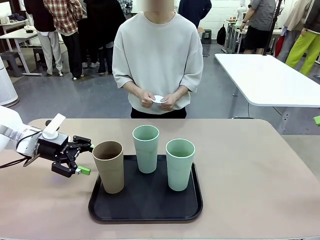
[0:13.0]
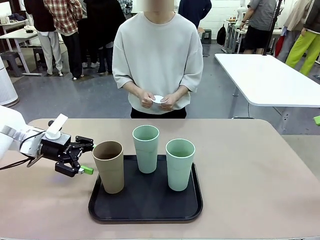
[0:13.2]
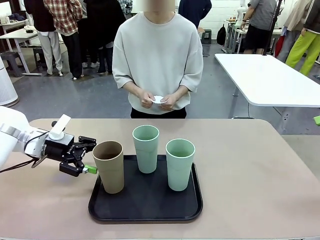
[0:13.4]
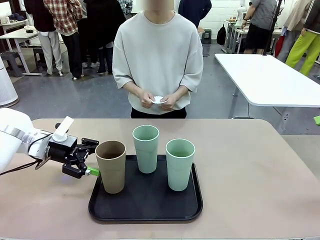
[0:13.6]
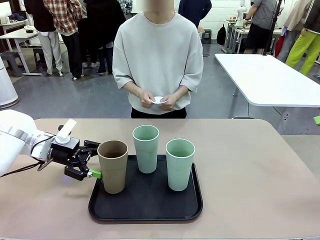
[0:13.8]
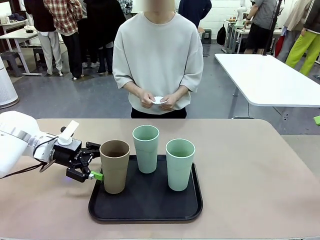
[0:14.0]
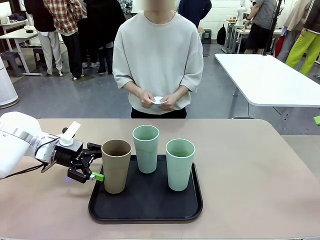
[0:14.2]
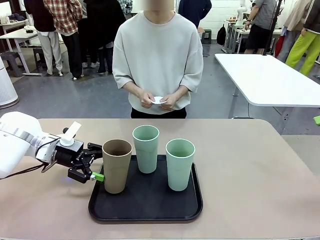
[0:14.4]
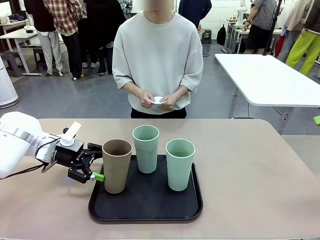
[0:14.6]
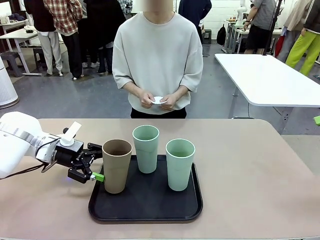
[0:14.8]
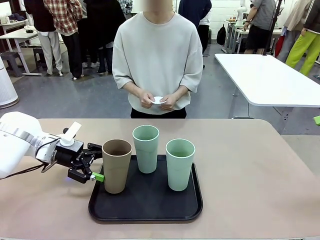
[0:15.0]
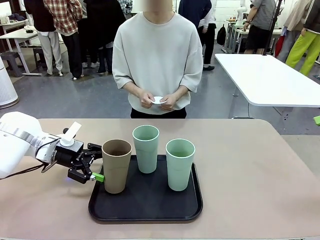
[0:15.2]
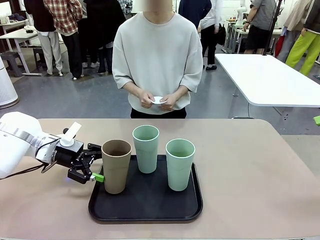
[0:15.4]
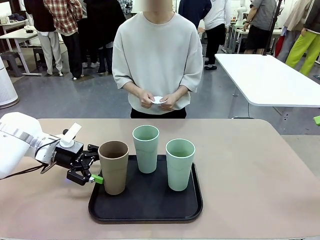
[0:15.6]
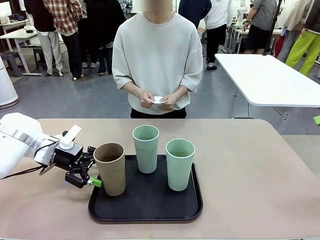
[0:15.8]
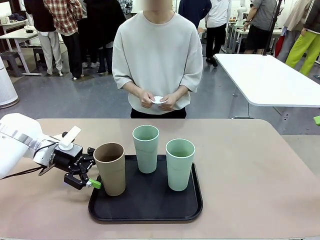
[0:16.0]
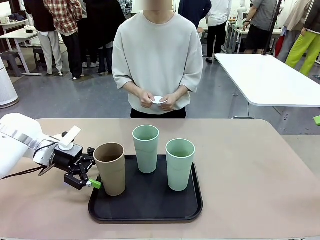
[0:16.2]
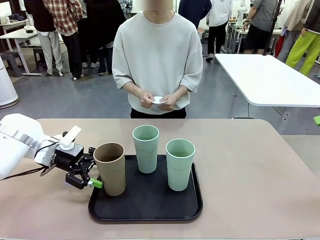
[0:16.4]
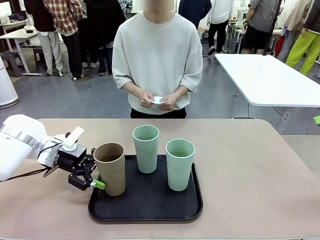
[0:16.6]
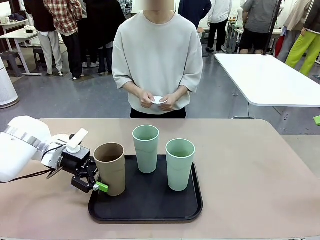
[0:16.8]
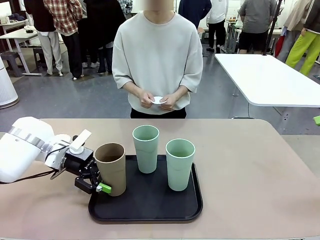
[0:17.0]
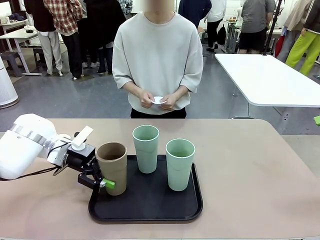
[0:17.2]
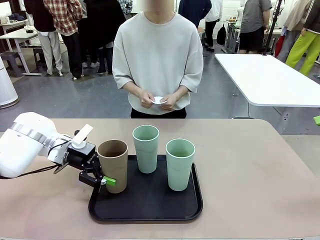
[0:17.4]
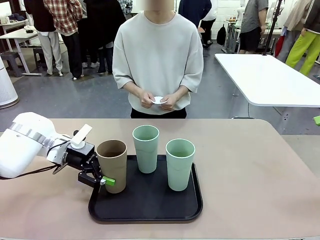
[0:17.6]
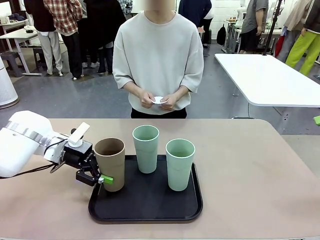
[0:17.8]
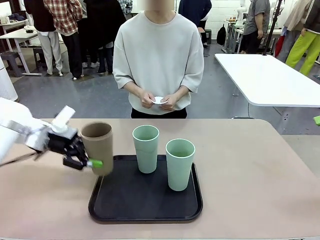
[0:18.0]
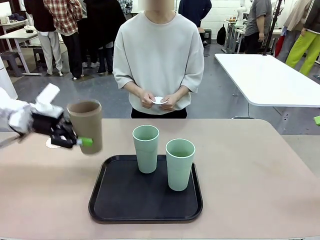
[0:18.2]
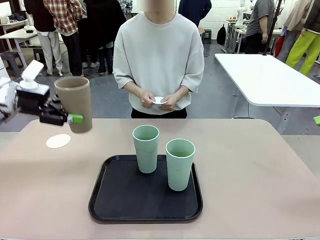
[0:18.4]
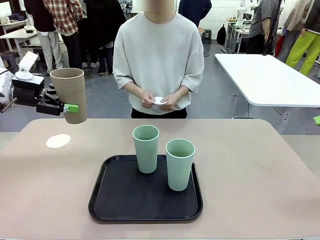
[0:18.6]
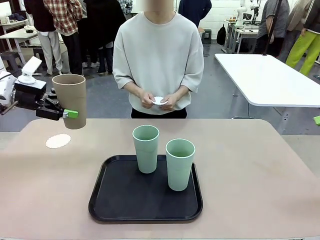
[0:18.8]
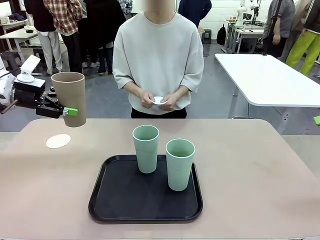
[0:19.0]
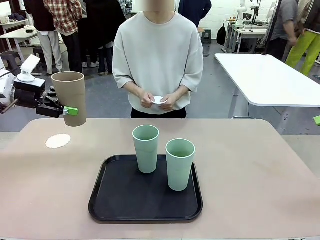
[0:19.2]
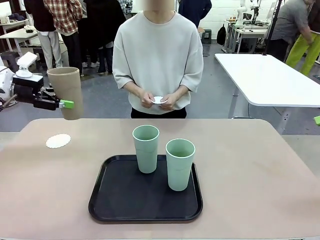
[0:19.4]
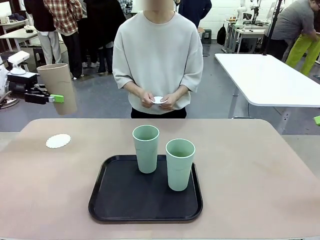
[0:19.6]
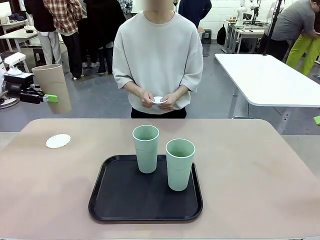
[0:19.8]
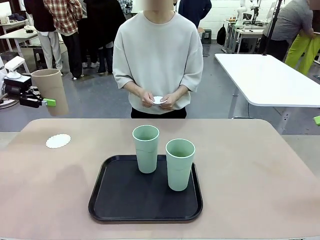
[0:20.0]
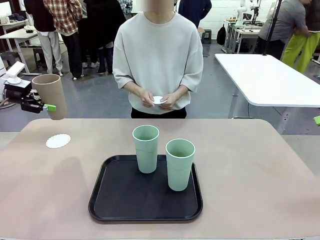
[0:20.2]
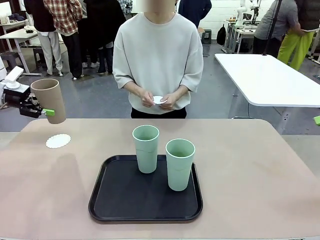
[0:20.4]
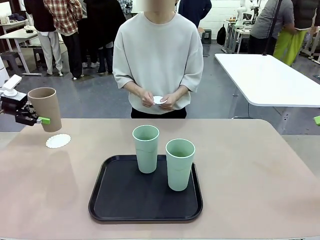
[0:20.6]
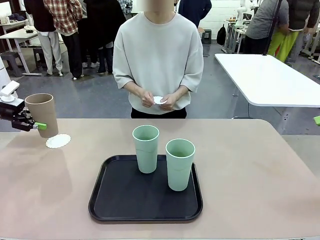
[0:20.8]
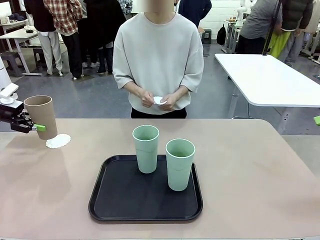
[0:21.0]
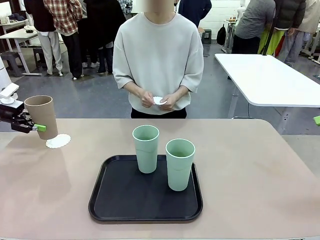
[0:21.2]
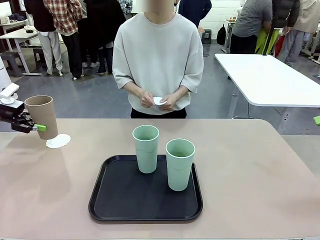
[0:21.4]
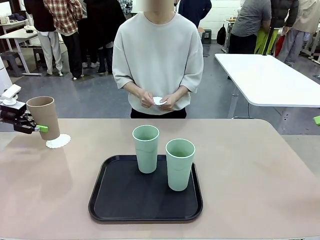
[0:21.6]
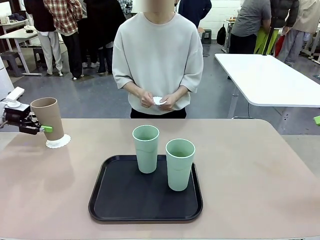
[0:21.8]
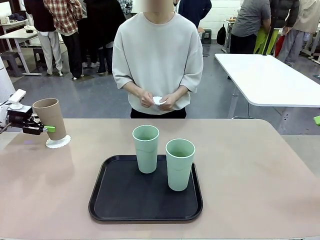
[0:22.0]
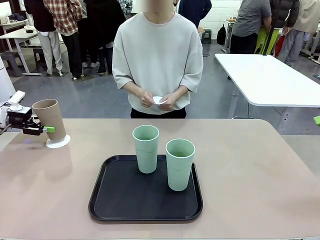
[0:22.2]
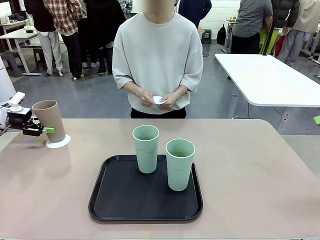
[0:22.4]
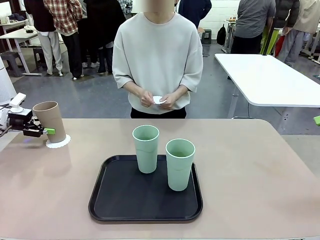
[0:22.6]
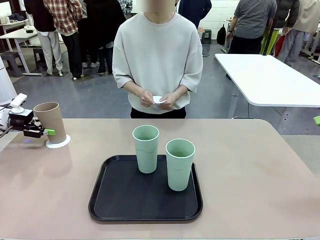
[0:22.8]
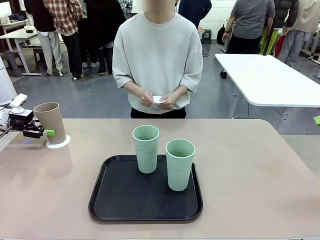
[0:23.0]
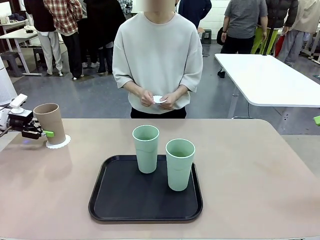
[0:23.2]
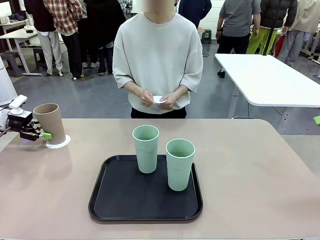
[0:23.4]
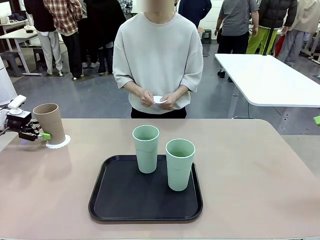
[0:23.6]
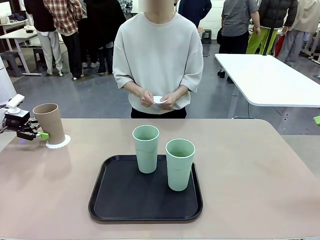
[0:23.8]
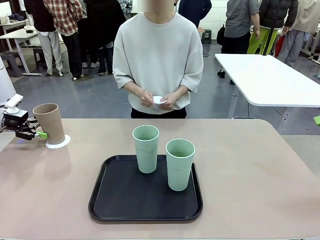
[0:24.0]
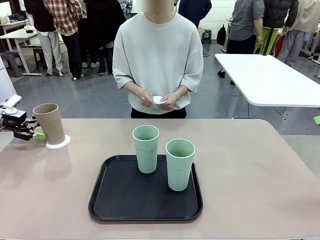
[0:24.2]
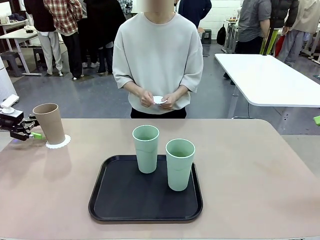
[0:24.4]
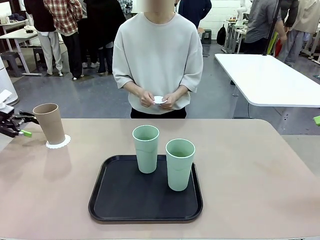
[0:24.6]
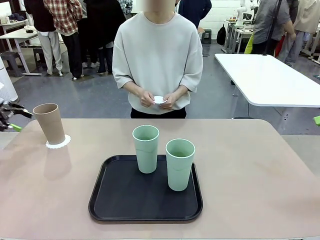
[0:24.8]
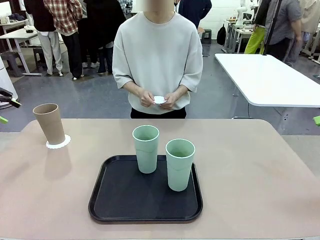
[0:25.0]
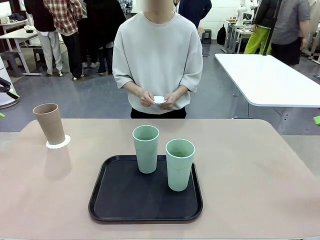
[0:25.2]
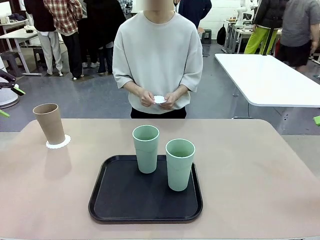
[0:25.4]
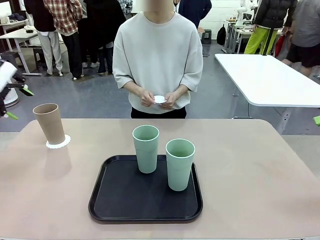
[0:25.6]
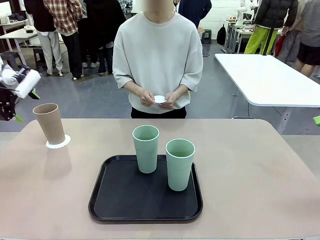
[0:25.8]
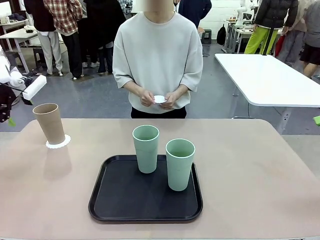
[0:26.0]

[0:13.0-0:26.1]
Task: Place coasters on the table and set cups on them.
Robot: Pick up one Reusable plastic cup and place it on a coaster set by the human.
Person: Place one coaster in one of the two areas excluding the previously selected area.
